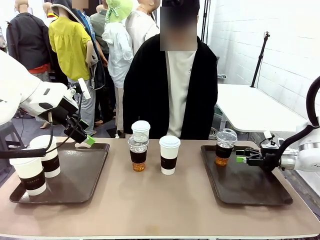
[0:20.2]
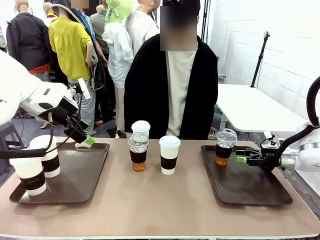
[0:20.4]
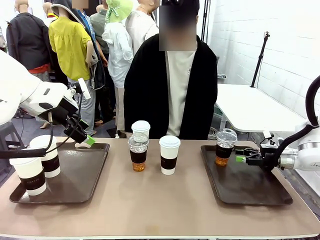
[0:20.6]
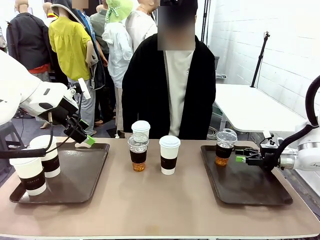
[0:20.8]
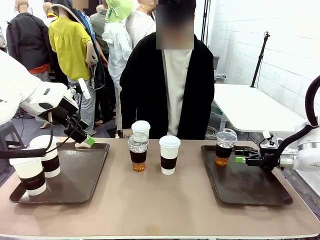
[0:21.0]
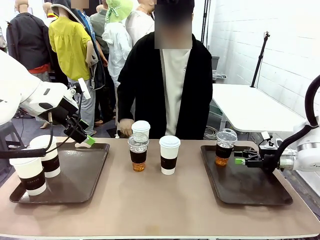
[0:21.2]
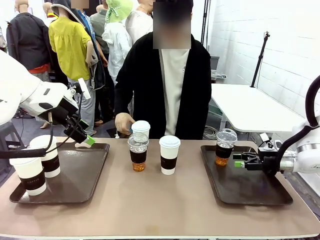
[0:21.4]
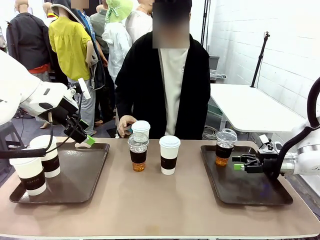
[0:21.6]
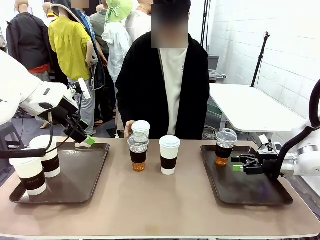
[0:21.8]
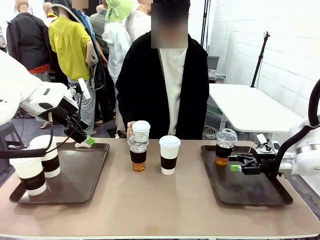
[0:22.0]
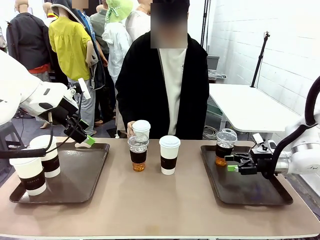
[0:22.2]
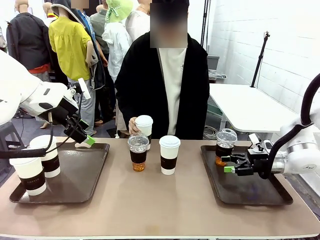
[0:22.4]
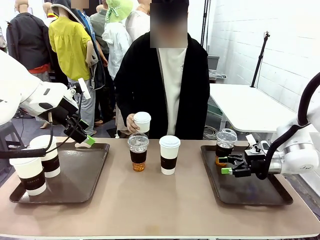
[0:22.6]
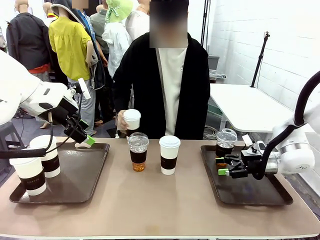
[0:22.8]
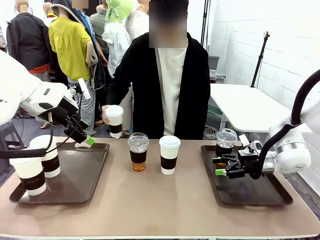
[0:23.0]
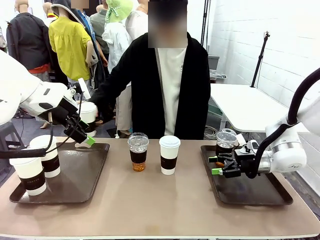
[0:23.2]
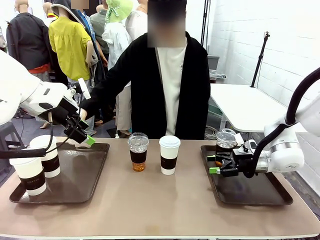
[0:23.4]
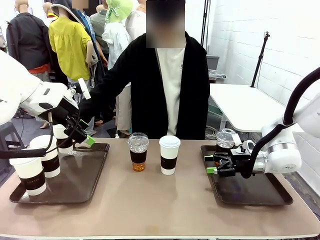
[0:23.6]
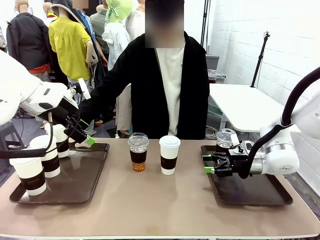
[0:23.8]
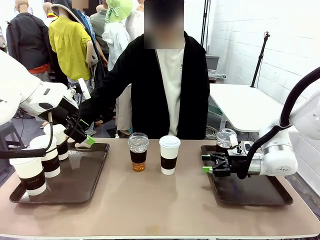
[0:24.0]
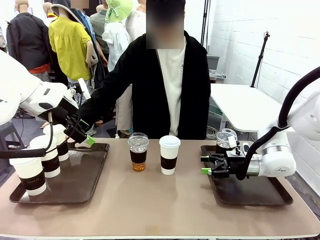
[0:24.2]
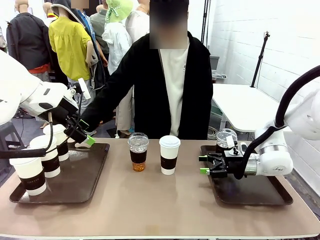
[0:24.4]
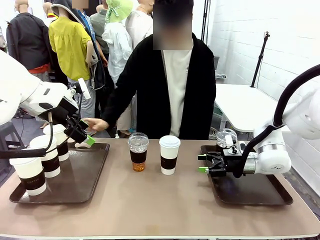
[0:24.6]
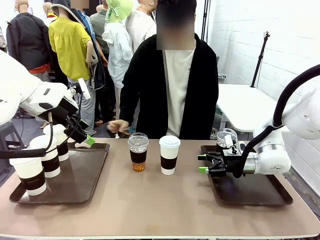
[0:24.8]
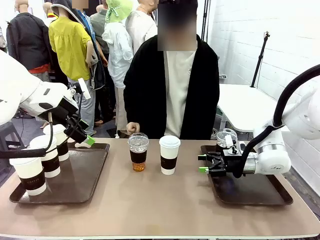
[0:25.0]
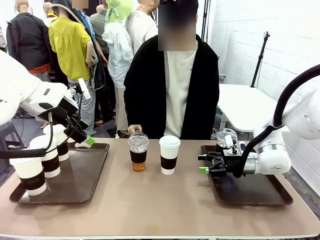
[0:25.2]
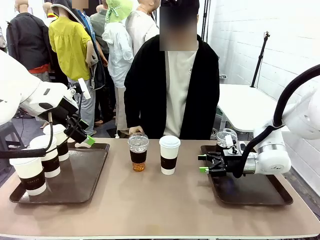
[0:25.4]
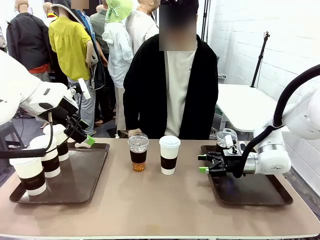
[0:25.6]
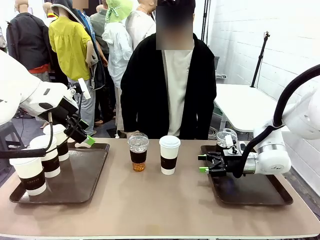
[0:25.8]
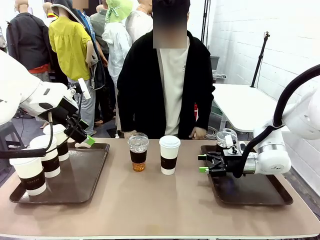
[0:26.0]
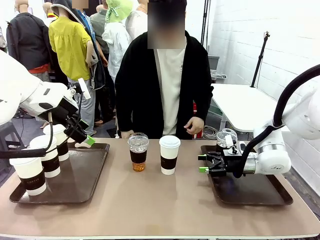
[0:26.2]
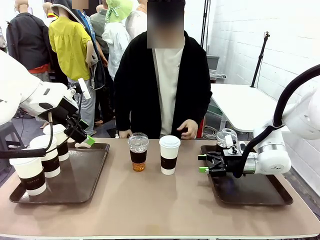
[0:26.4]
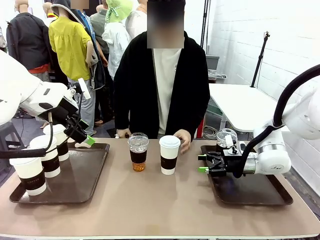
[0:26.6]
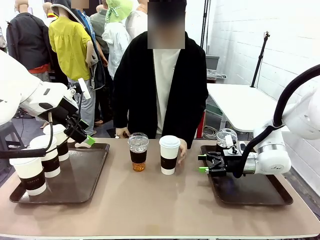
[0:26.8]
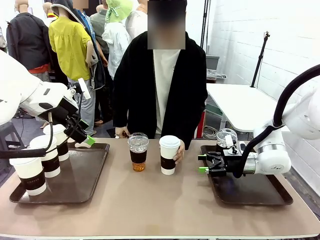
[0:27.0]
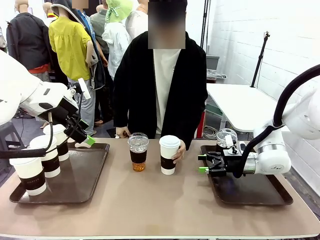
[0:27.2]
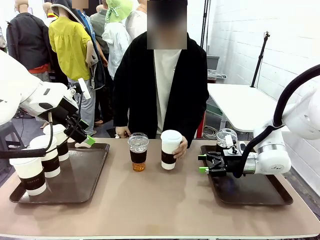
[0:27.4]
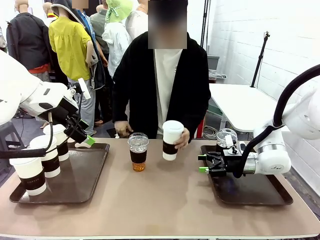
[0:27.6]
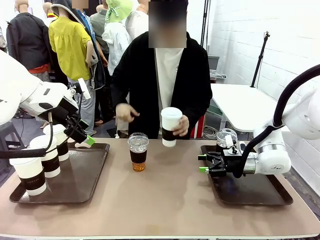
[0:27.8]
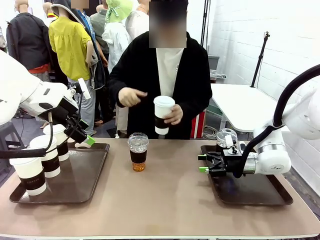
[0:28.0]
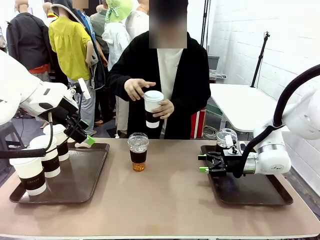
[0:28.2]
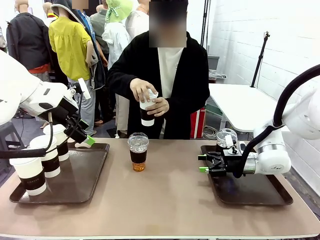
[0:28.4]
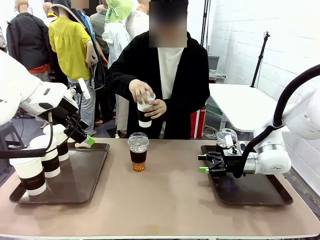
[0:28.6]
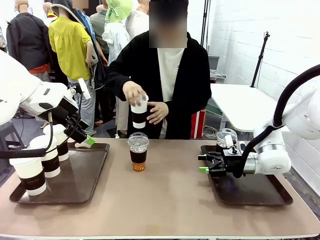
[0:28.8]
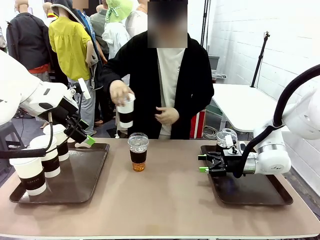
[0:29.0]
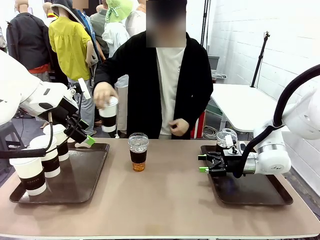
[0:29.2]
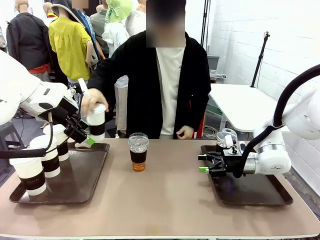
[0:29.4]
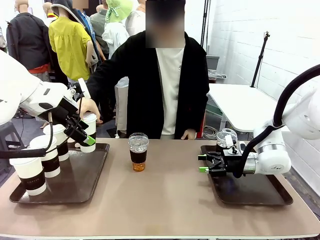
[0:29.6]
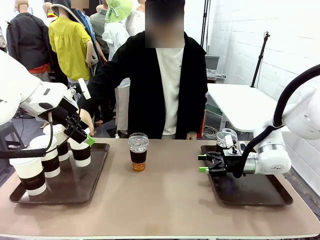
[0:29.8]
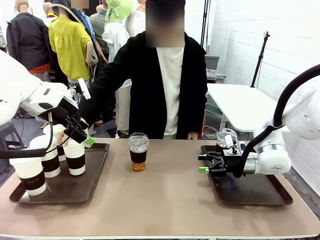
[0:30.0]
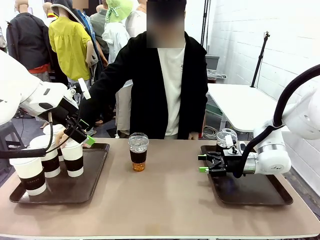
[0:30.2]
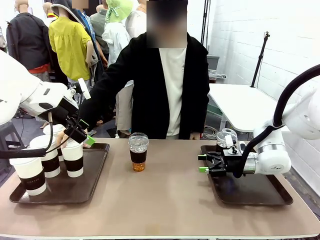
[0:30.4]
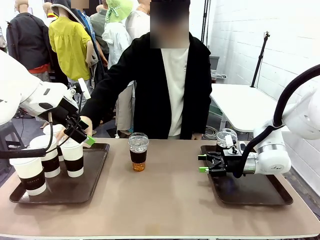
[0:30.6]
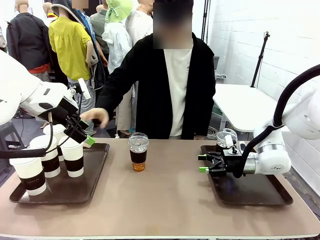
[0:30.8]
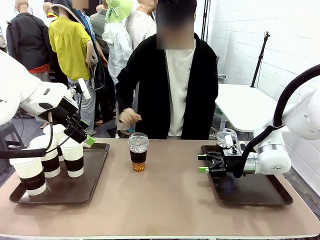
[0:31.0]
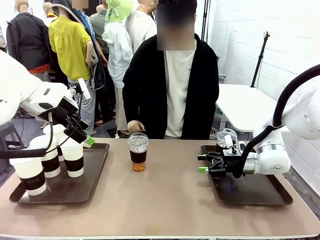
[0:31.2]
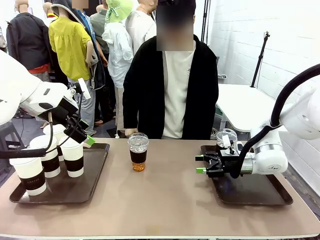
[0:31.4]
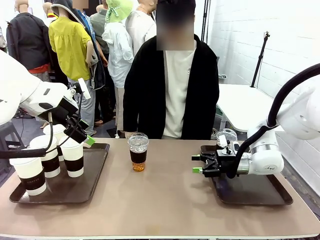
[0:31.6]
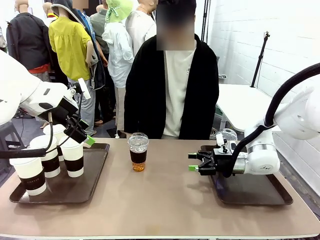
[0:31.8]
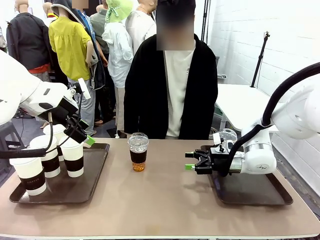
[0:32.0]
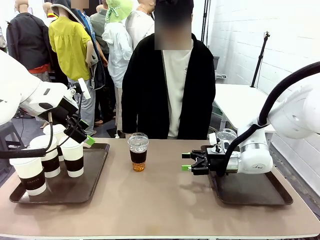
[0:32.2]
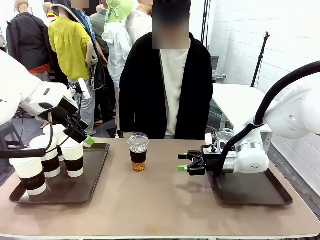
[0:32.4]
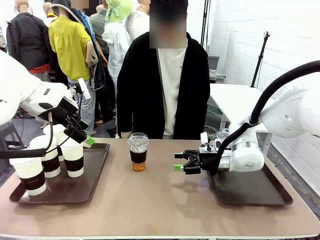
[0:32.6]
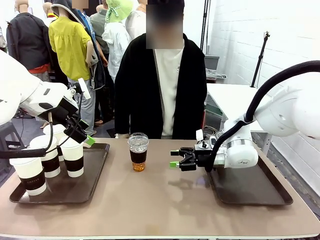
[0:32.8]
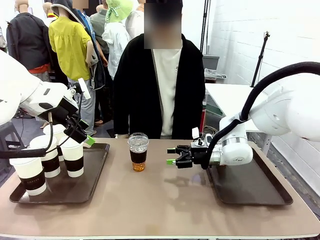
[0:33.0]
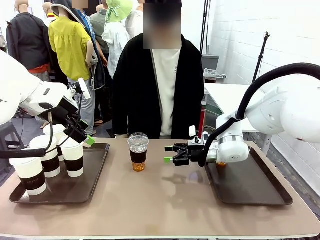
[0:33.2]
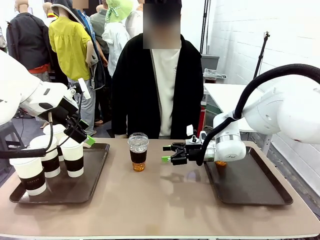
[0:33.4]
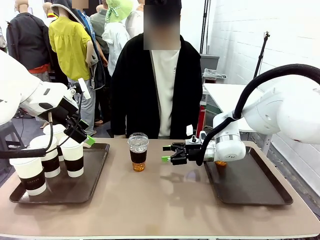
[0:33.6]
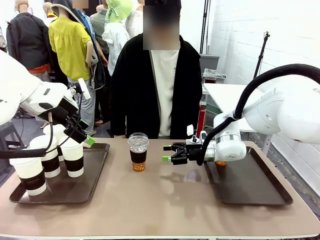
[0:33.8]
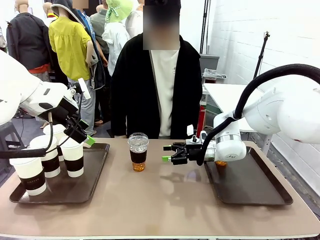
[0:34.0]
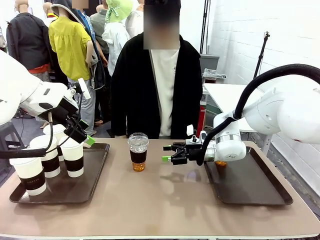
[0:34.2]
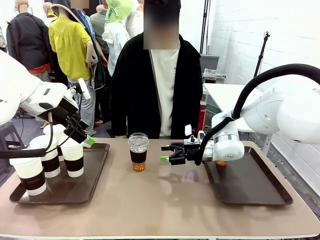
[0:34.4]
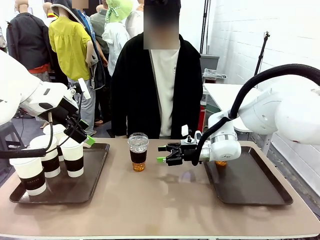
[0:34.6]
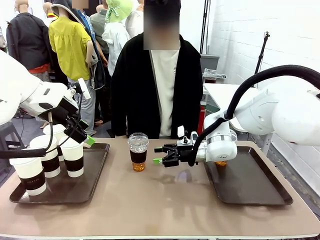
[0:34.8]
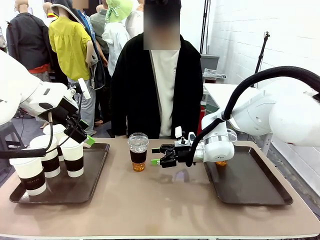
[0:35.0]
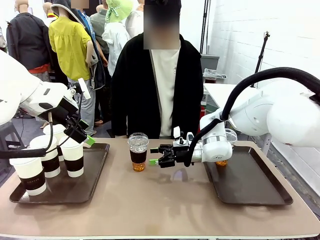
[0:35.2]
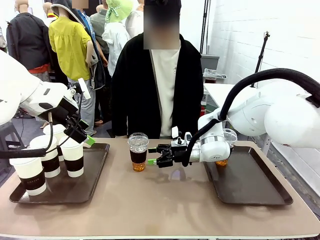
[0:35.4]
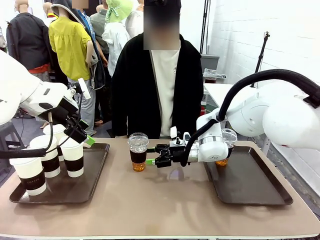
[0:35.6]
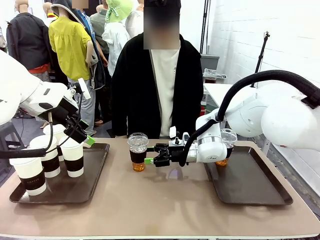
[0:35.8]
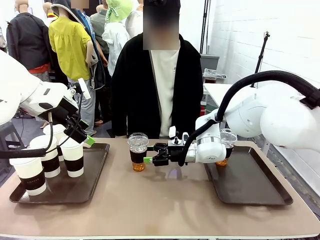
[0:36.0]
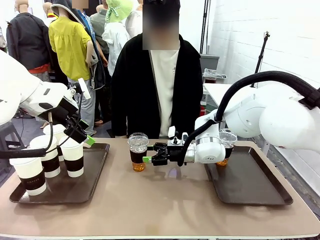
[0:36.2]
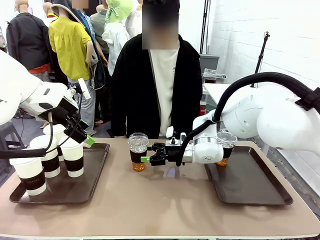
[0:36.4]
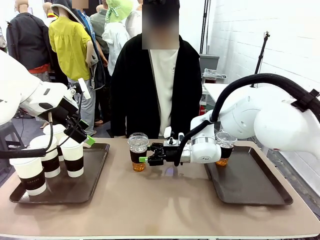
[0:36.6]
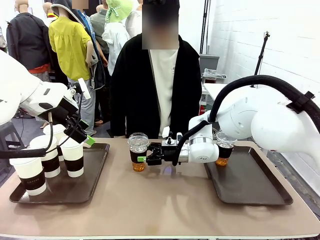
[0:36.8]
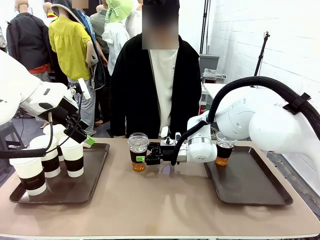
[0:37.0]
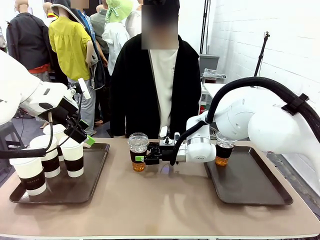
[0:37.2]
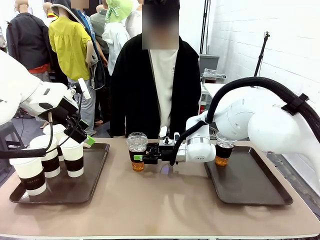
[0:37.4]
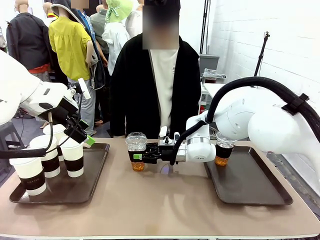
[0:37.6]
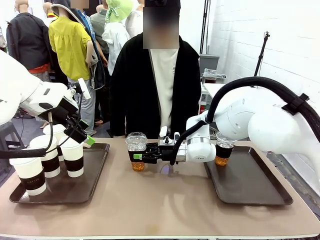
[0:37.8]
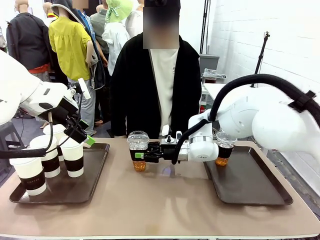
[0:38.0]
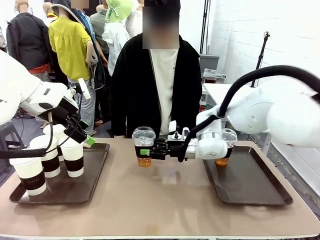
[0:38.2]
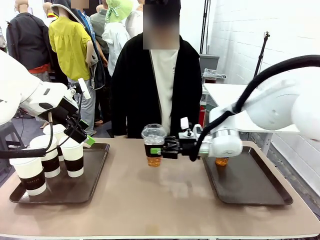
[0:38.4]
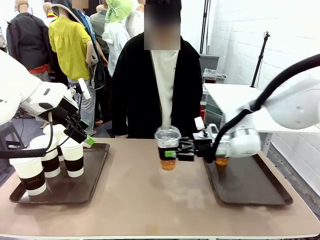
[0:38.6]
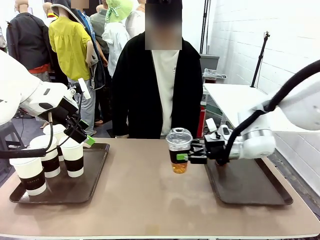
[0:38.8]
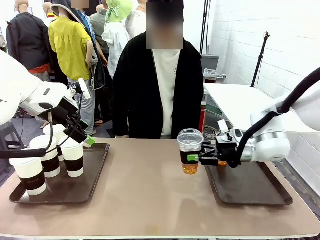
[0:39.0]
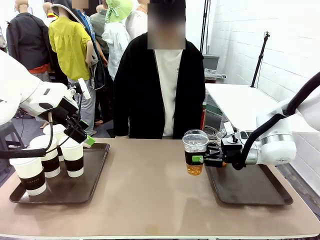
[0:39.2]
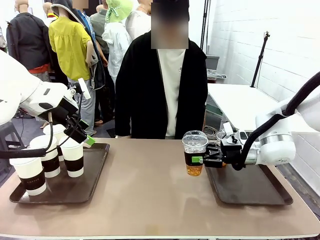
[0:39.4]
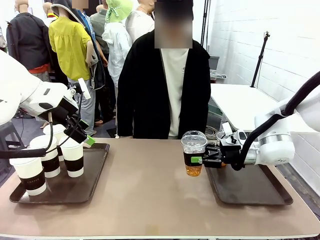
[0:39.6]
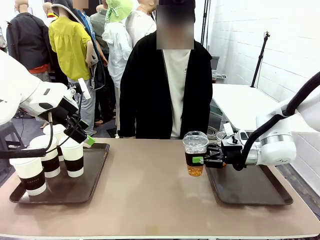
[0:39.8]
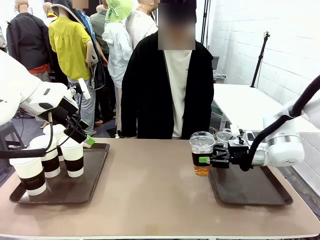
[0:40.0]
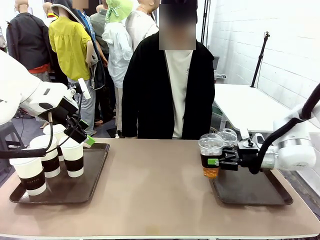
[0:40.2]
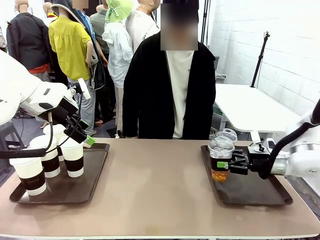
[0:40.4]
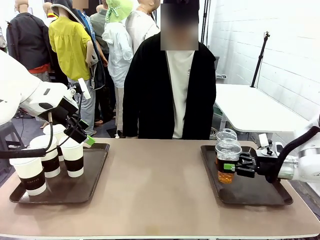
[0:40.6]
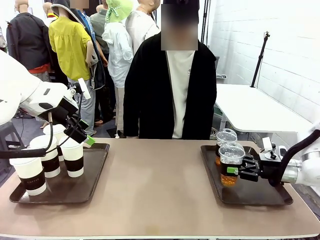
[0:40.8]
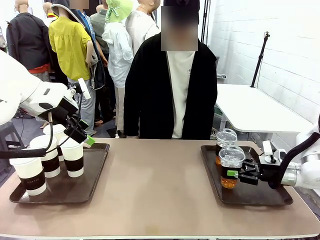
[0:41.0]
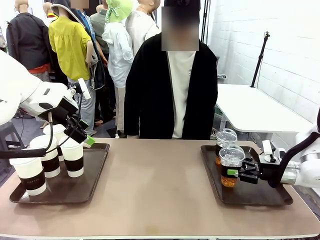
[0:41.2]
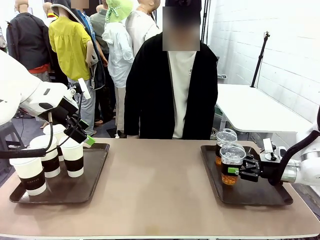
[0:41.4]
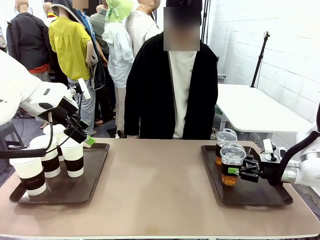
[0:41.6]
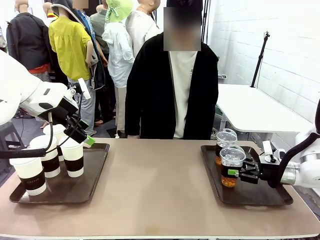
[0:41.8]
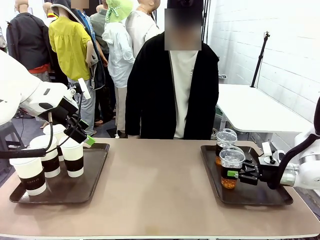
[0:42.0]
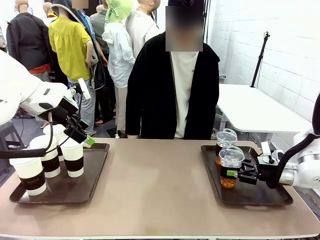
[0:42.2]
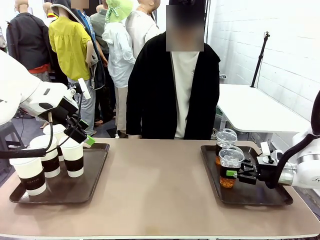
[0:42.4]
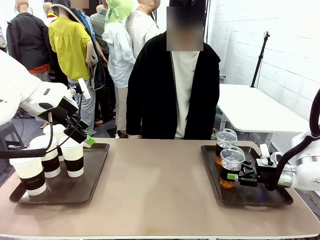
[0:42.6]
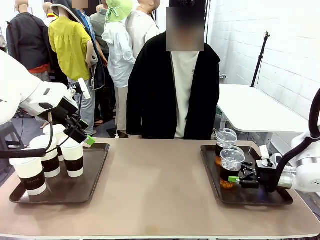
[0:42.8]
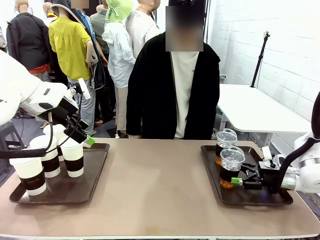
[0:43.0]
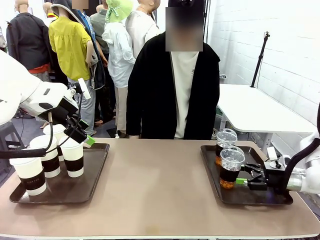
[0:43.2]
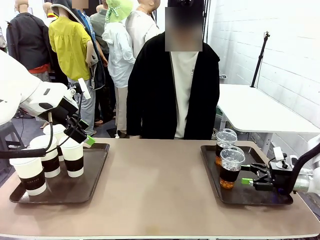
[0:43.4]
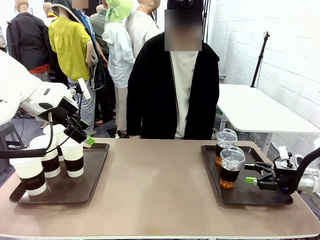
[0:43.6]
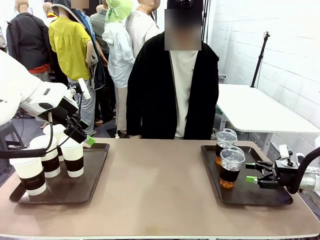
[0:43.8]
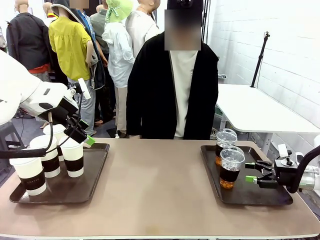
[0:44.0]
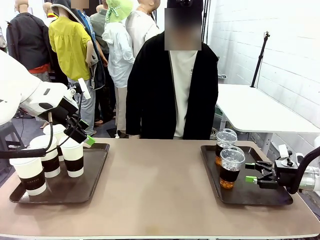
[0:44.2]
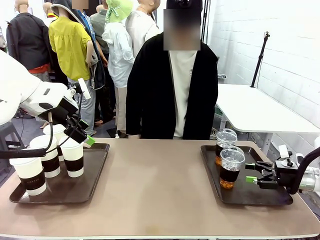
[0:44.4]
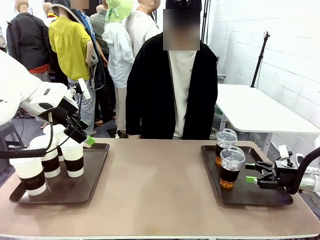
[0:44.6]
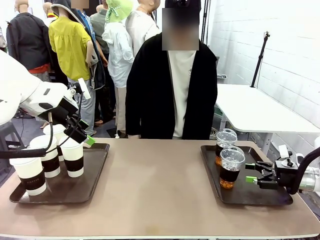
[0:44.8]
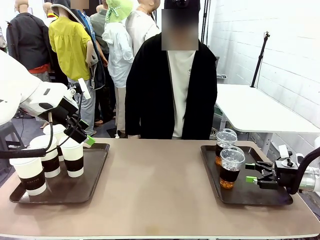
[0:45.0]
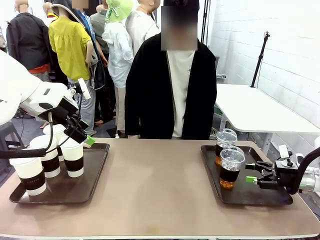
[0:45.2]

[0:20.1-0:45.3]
Task: Distribute the coffee onto the tray.
Robot: Pick up another iced Americano from the middle of the table and place it on the right Handle tray.
Person: Pick up a cup of hot Americano from the middle of the table and place it on the right tray.
